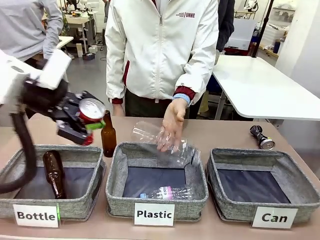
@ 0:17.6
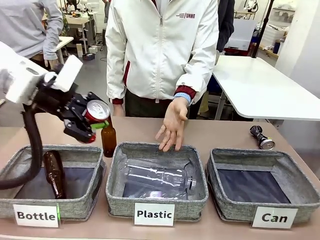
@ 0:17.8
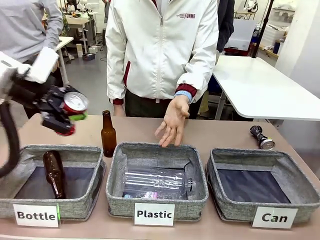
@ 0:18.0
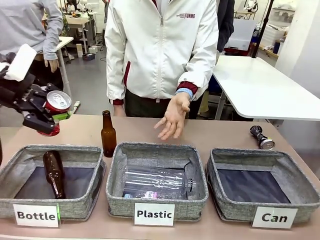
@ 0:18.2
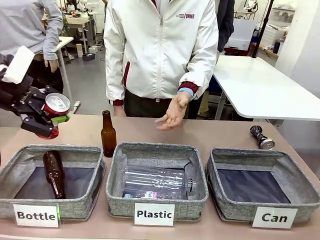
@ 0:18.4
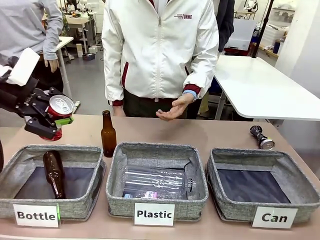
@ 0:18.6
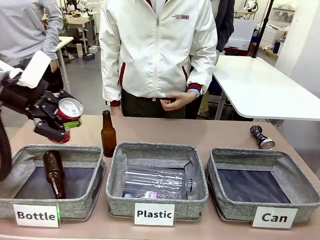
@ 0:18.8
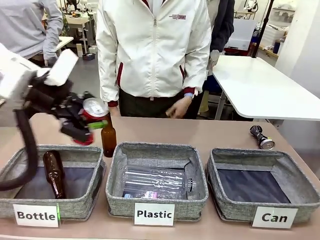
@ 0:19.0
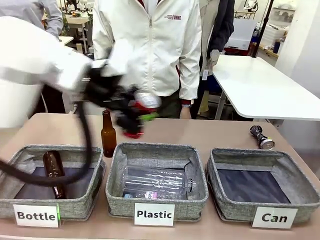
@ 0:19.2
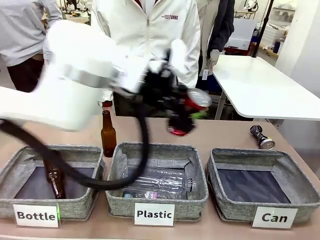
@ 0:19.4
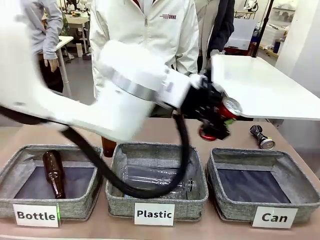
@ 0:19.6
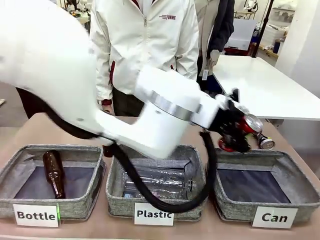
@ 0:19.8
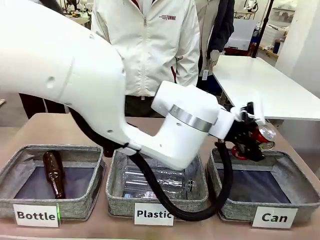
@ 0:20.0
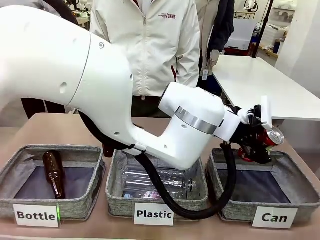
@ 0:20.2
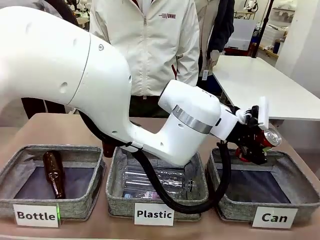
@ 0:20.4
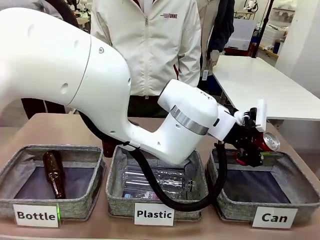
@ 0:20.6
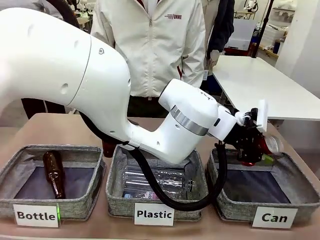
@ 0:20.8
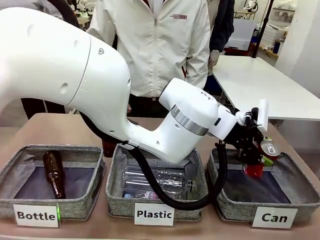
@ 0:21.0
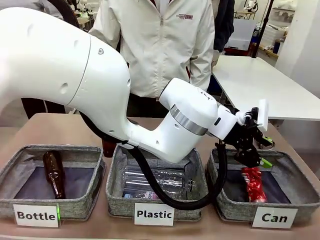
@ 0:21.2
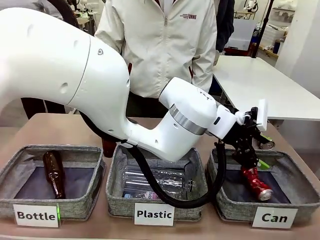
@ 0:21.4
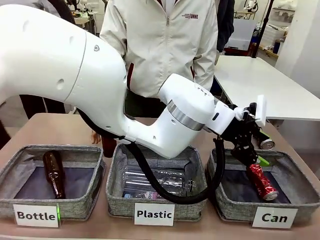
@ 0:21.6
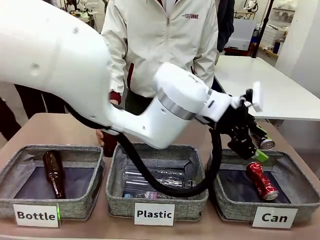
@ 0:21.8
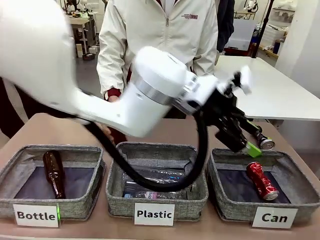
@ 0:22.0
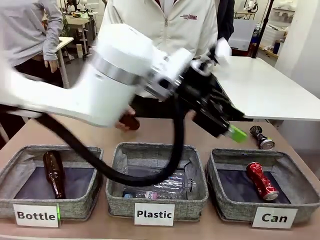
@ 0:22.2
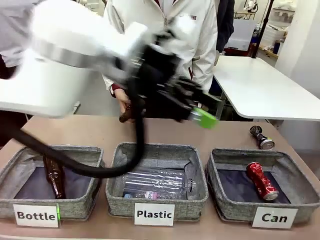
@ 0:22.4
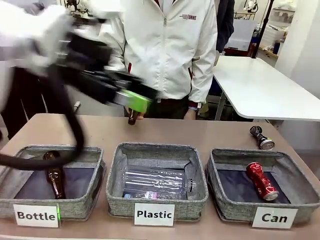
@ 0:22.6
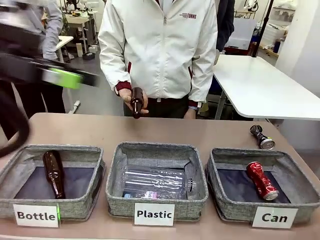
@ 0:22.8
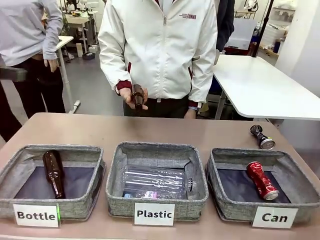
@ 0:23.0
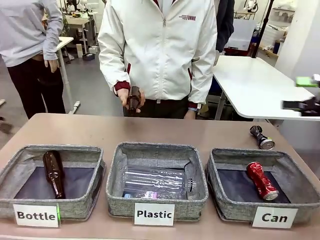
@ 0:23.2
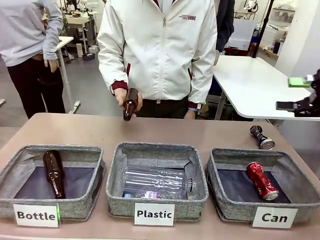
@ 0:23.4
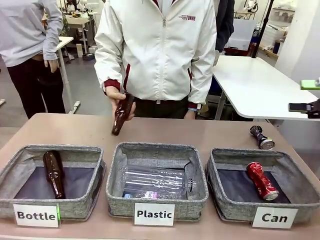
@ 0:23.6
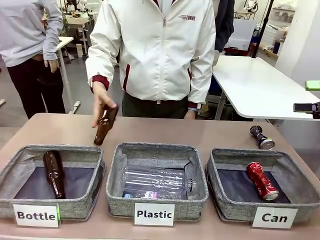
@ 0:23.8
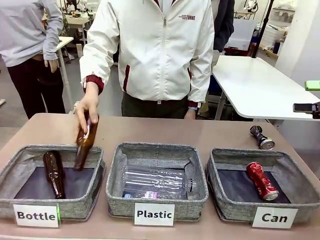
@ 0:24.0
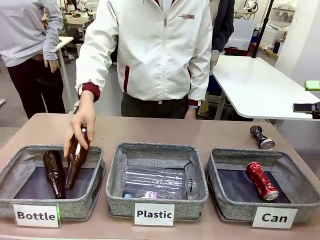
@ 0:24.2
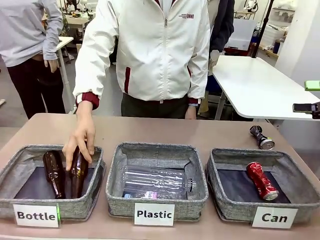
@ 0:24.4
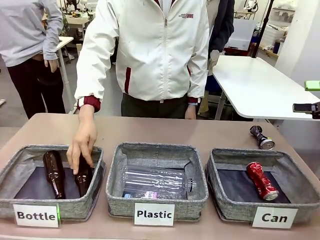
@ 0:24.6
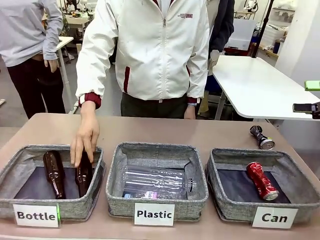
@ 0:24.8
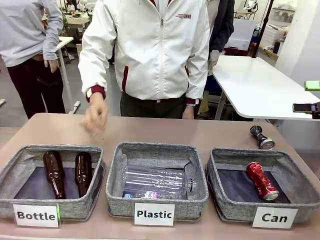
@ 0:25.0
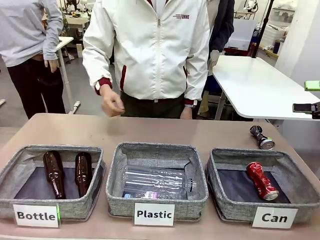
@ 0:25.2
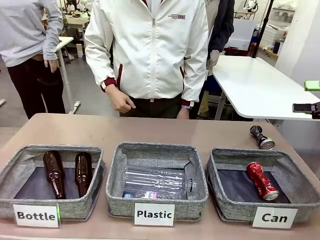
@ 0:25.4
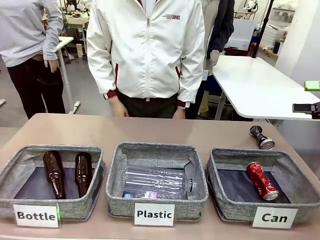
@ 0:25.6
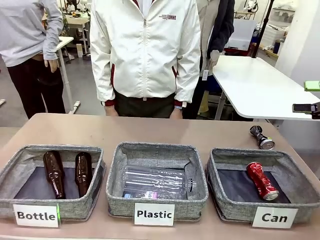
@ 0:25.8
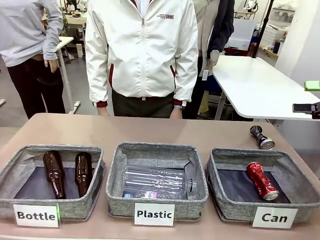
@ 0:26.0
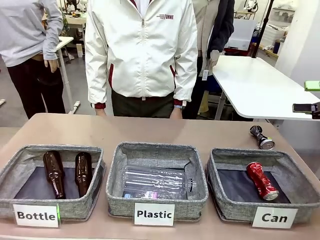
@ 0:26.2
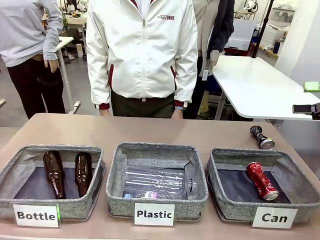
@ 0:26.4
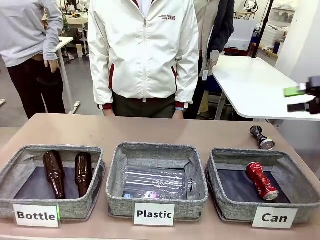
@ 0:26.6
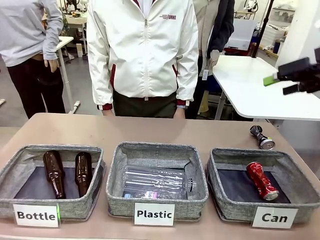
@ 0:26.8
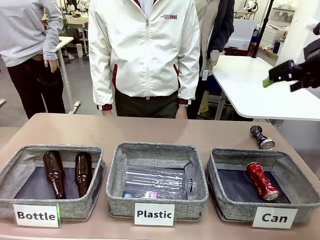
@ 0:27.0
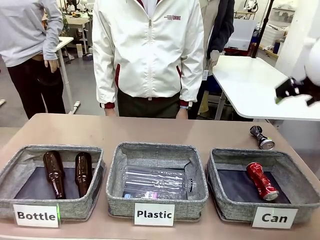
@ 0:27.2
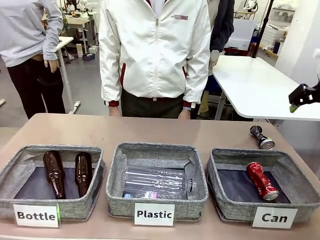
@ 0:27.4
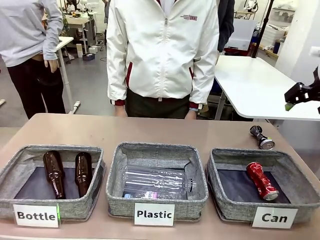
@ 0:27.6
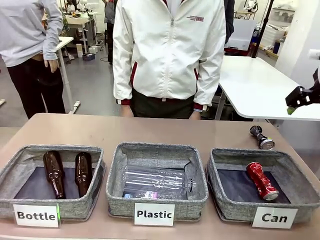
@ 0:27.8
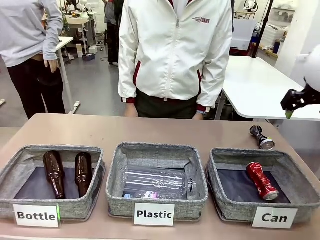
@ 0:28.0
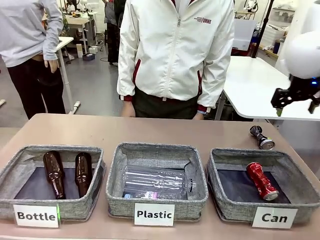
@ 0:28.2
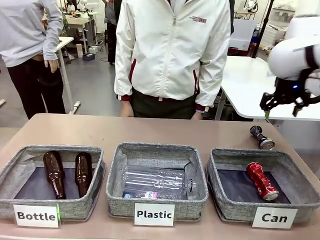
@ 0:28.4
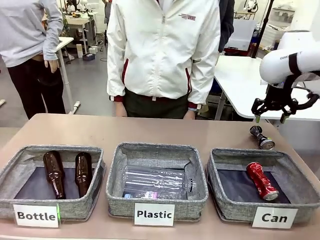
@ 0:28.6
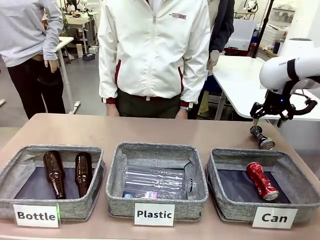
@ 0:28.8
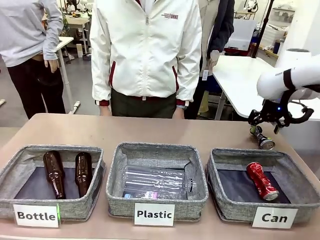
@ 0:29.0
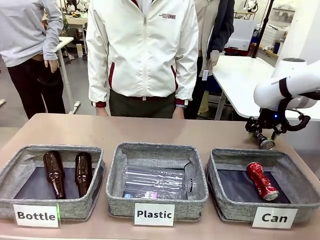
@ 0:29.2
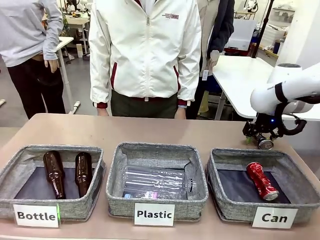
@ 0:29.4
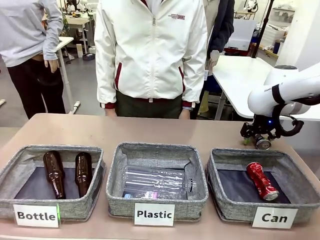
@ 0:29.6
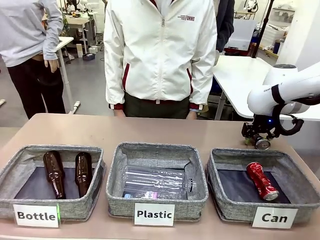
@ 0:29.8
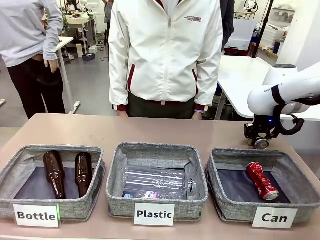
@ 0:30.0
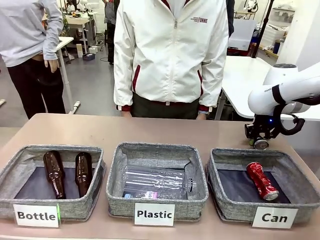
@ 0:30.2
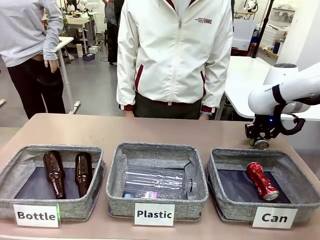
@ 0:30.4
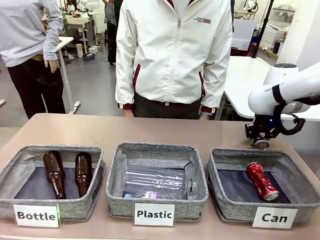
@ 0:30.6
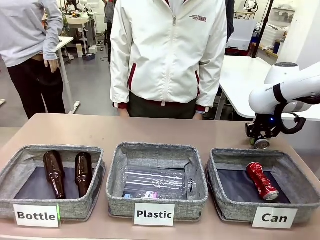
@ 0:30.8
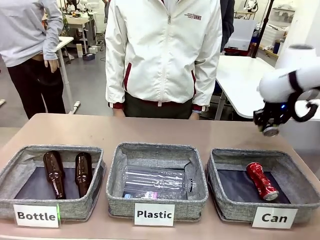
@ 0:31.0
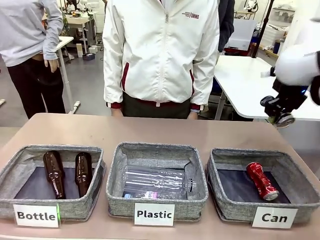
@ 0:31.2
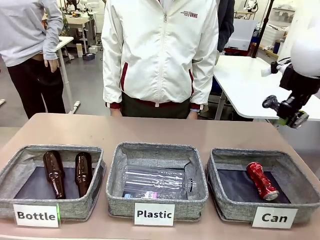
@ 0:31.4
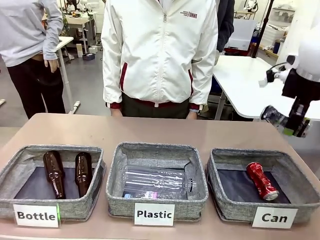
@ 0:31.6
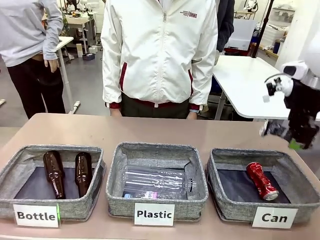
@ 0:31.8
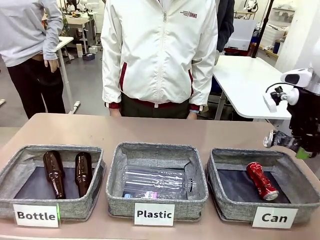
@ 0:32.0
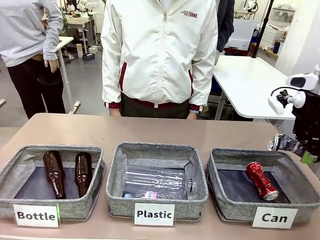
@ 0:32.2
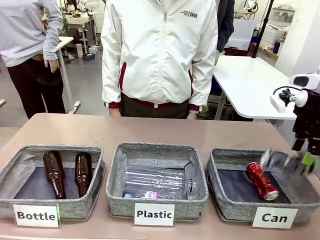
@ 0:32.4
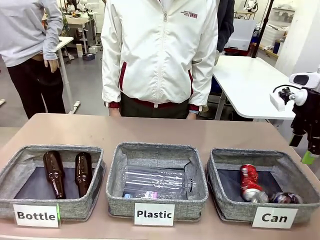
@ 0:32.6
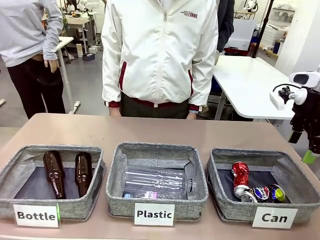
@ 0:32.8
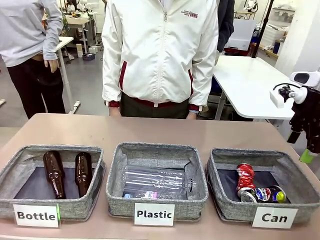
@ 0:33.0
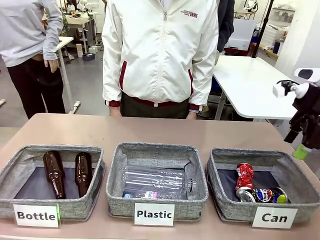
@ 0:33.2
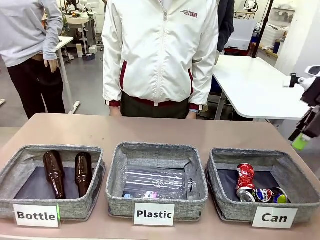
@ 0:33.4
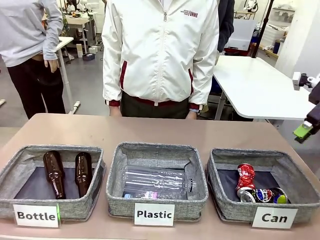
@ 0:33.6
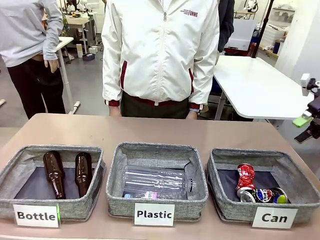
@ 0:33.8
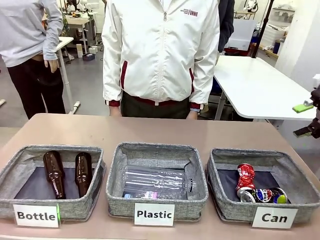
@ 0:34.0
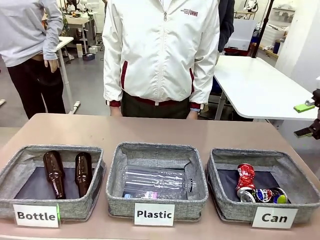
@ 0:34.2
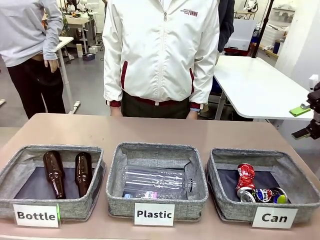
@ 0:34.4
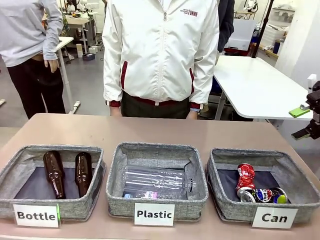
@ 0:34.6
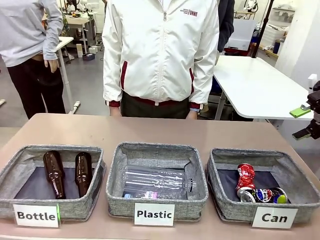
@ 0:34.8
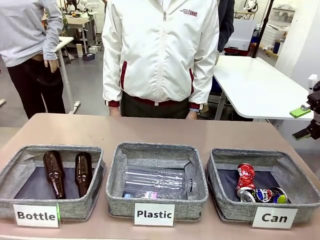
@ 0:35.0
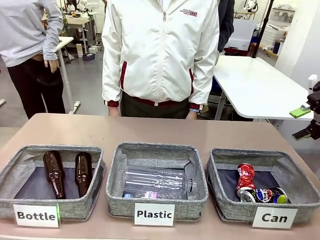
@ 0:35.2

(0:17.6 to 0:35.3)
Task: Sort the can waste into the basket.
Robot: Pick up the can waste from the table and place it in the right Fabric basket.
Person: The human picks up one piece of trash that is not a can and places the trash into the appropriate organizing basket.
